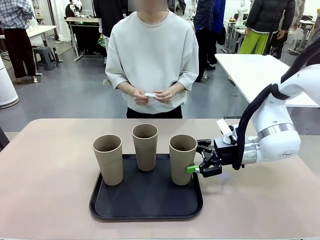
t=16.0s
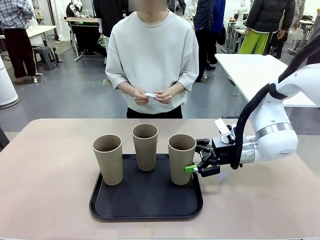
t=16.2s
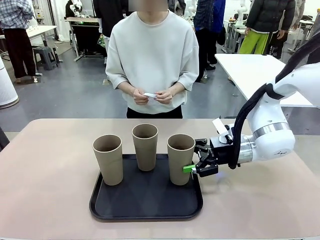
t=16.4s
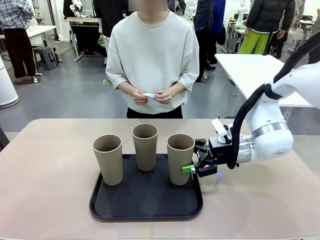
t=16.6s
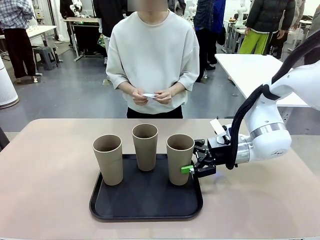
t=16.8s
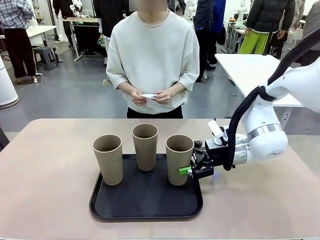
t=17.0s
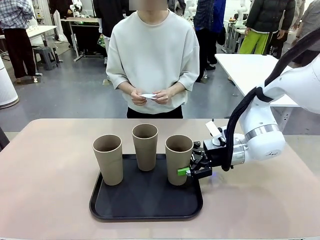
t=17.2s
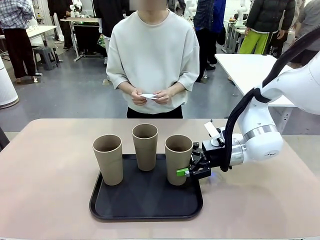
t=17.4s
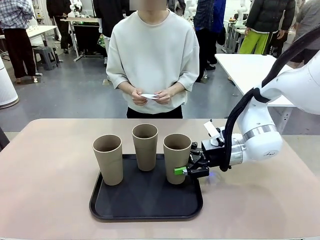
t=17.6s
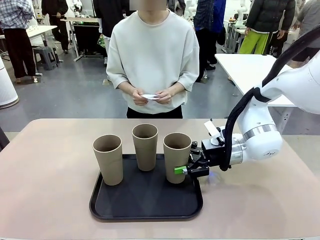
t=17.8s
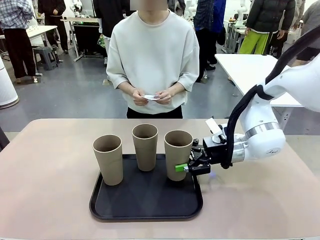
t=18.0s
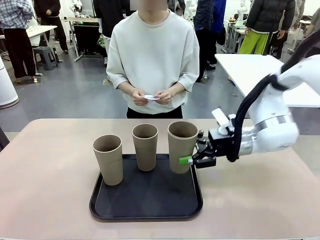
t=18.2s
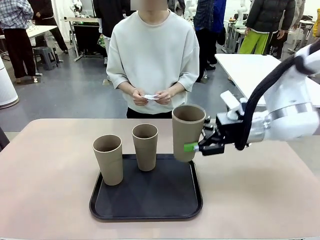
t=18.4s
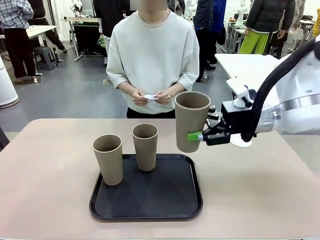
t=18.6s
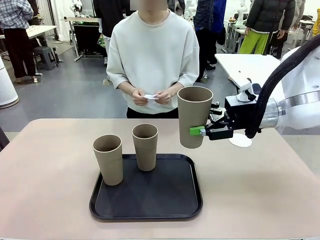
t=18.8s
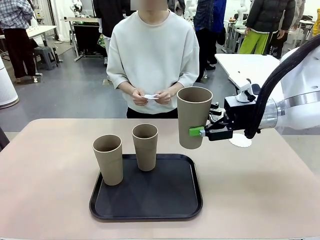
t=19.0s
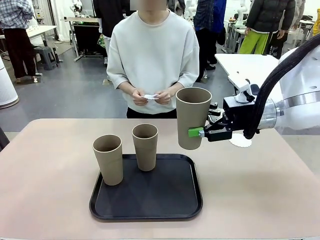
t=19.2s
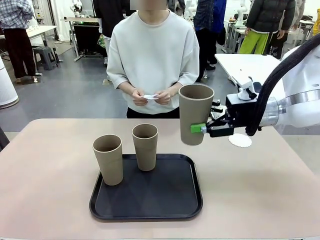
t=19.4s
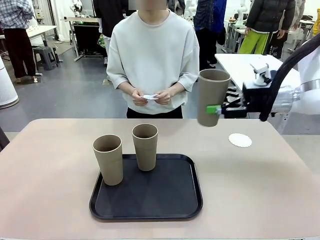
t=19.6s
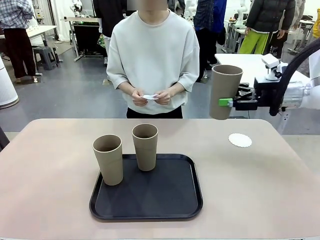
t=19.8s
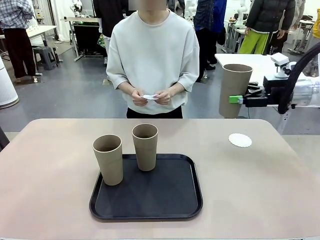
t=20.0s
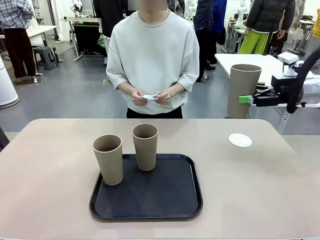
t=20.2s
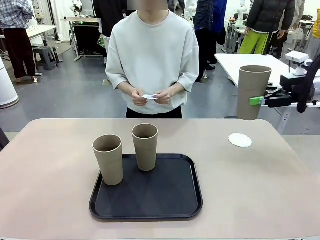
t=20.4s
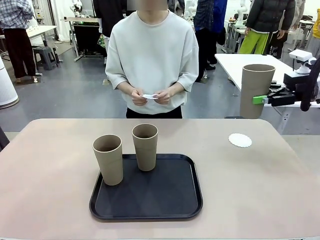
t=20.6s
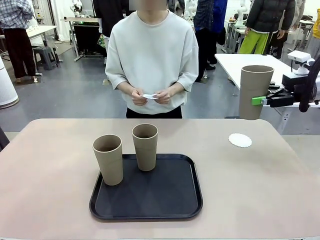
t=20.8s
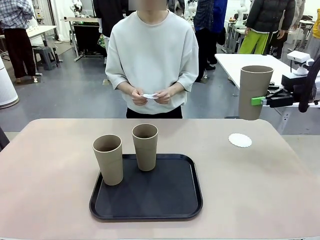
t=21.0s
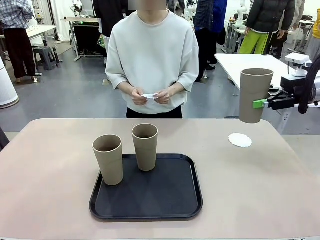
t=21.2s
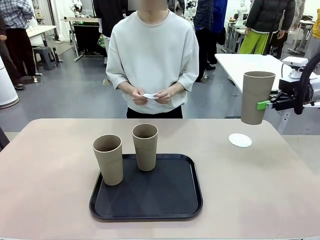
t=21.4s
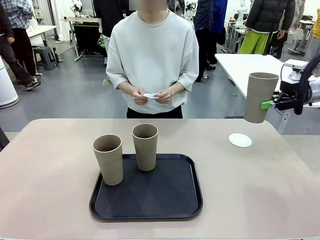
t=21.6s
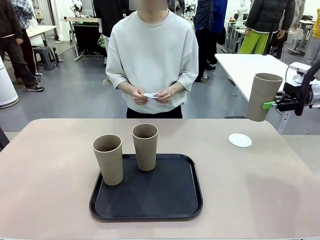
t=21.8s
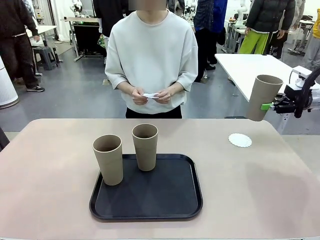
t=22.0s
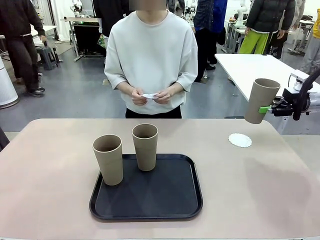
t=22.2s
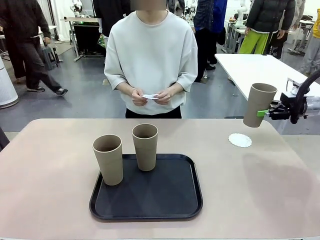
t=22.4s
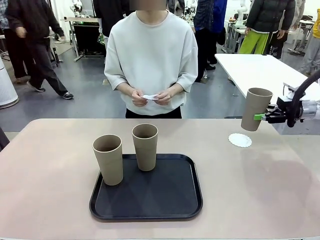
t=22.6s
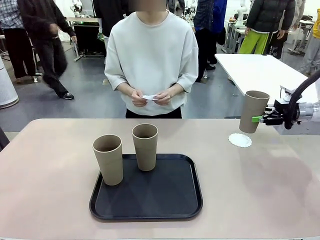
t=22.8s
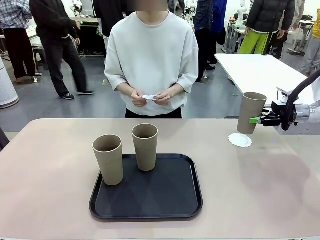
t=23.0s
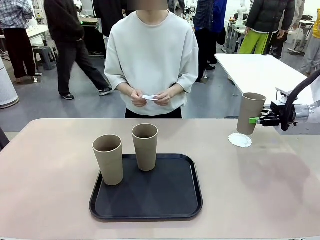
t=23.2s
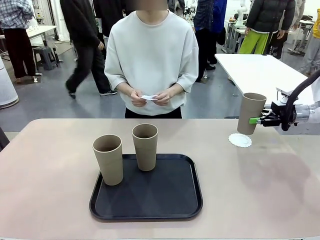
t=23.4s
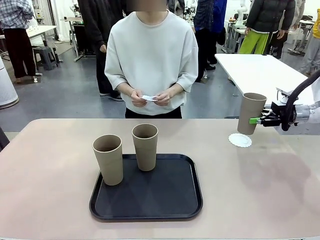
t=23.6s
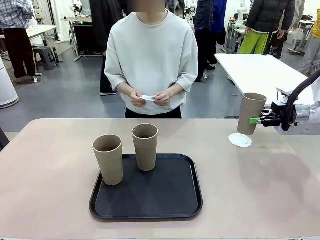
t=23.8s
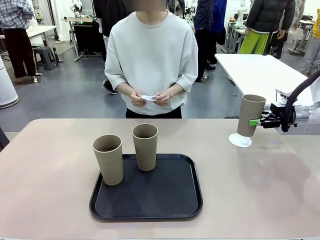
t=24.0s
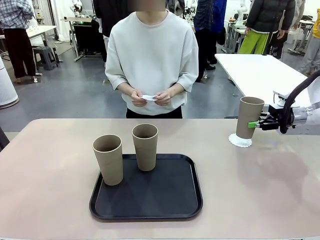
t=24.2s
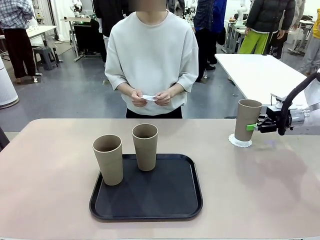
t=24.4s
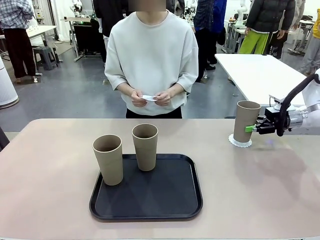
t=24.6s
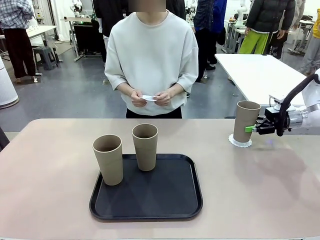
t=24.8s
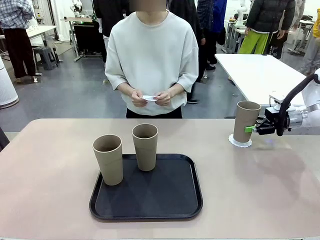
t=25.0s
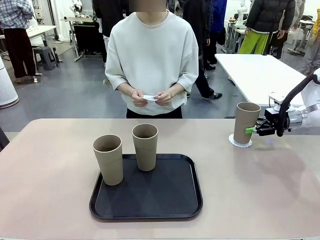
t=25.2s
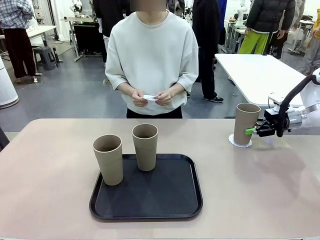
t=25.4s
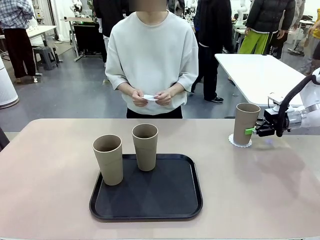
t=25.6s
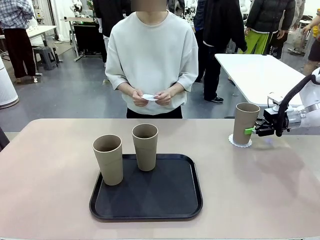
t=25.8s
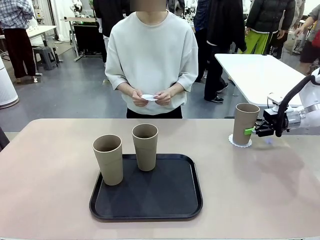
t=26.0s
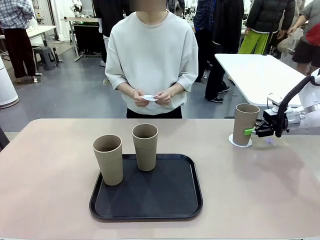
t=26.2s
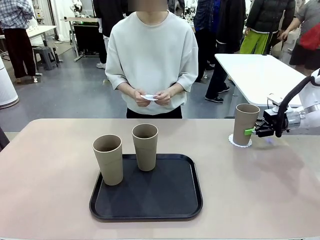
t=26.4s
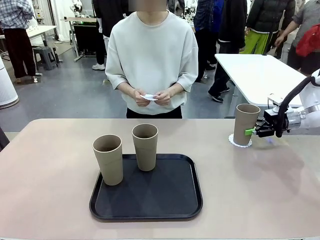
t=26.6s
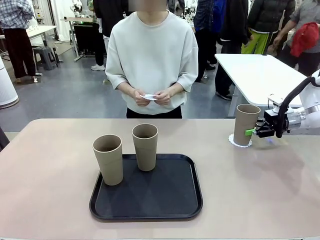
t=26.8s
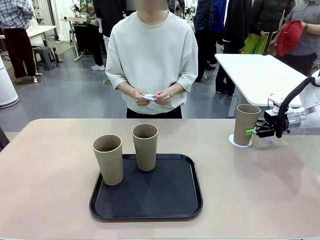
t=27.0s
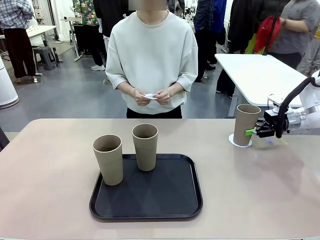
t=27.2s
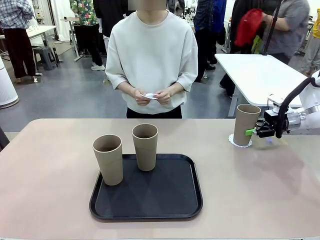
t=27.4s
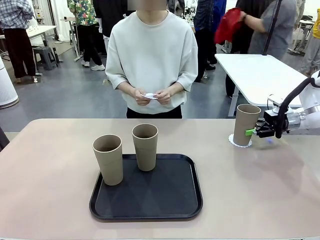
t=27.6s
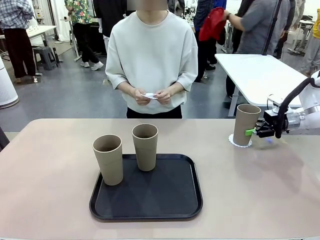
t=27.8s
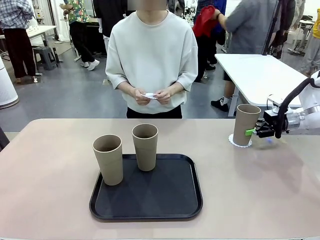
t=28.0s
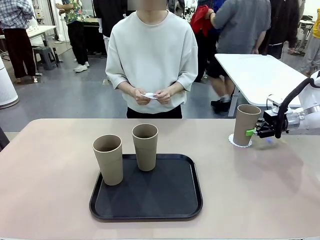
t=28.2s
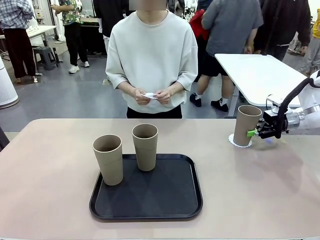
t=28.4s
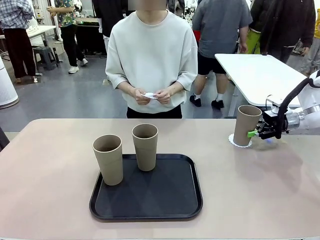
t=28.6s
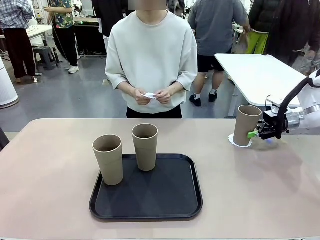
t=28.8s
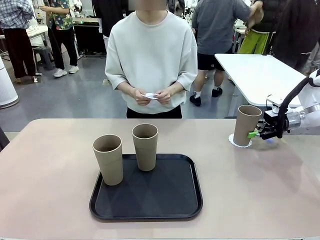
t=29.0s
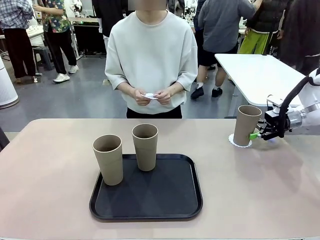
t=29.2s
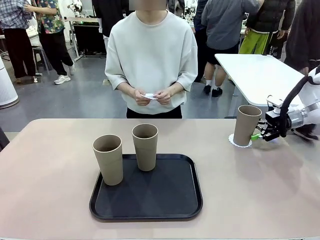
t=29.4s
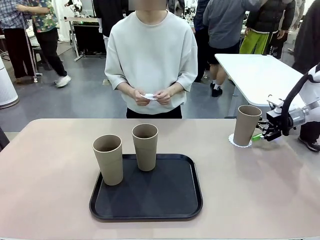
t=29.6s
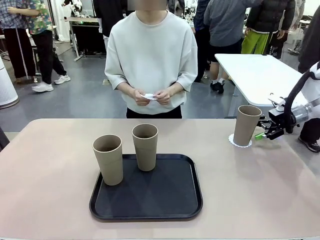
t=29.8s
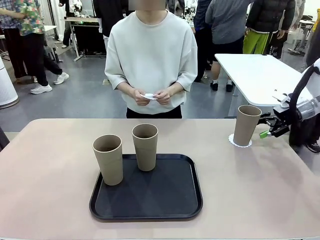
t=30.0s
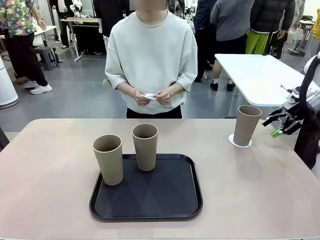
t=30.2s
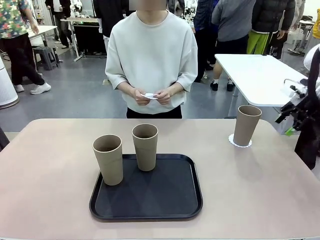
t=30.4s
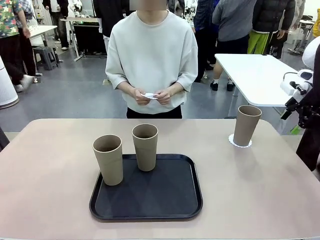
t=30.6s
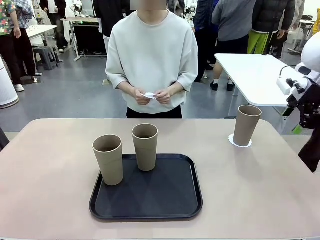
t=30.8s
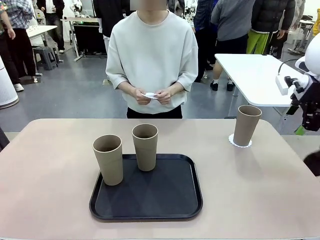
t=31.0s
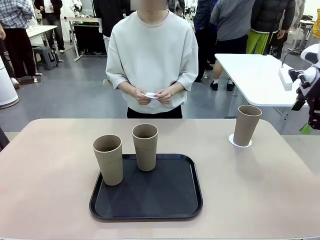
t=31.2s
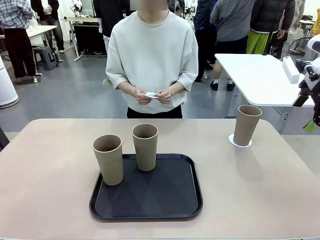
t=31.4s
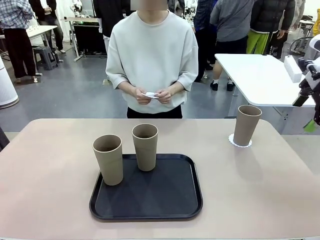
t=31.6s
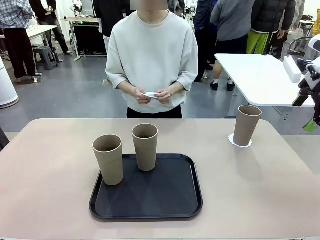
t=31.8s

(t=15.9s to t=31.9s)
Task: Place coasters on the table and set cups on them.
Robot: Pick up one Reusable plastic cup and place it on a coaster set by the human.
Person: Place one coaster in one of the two areas excluding the previously selected area.
